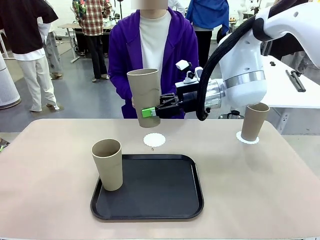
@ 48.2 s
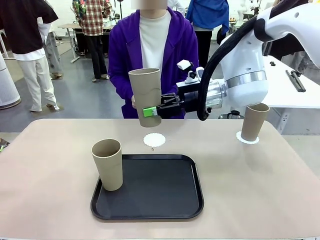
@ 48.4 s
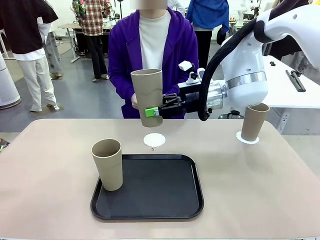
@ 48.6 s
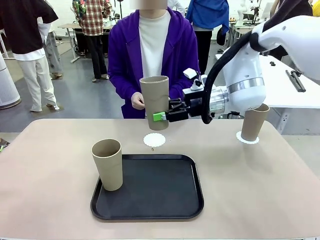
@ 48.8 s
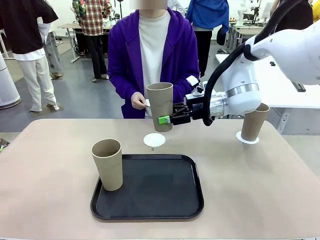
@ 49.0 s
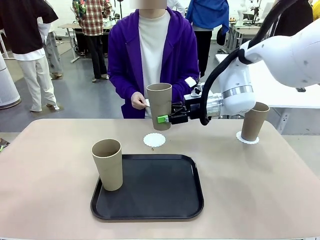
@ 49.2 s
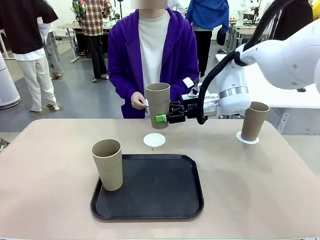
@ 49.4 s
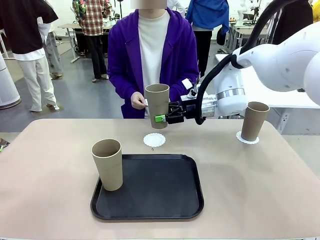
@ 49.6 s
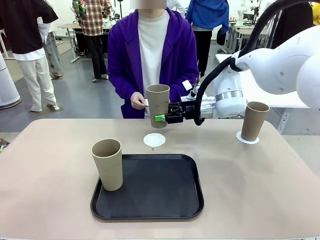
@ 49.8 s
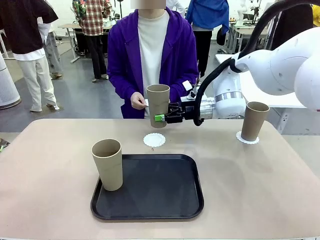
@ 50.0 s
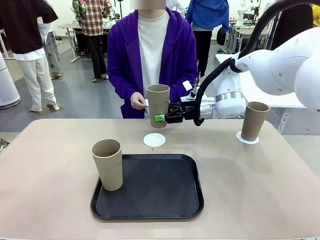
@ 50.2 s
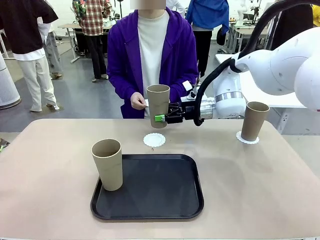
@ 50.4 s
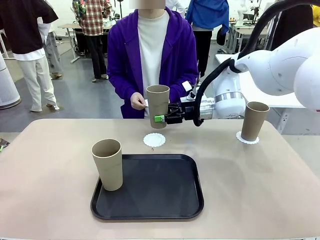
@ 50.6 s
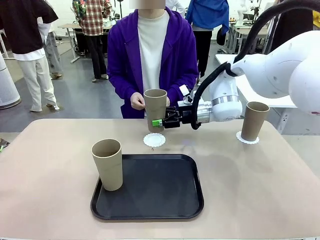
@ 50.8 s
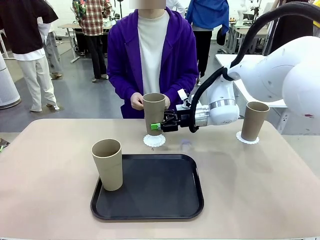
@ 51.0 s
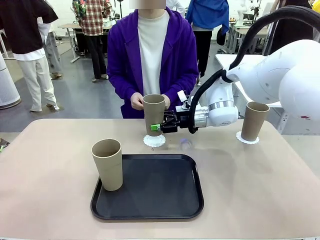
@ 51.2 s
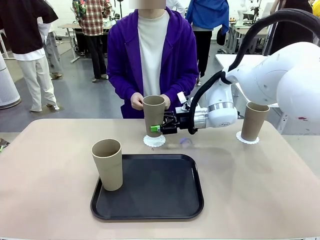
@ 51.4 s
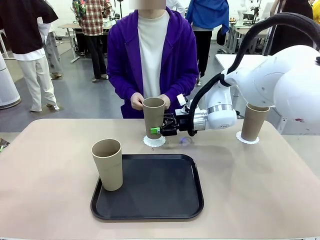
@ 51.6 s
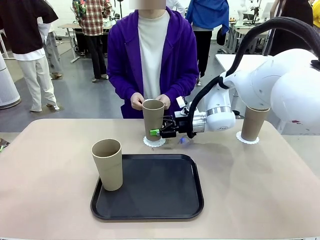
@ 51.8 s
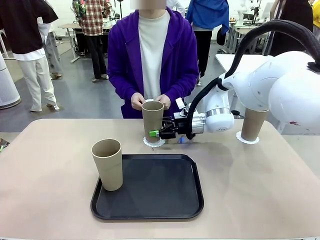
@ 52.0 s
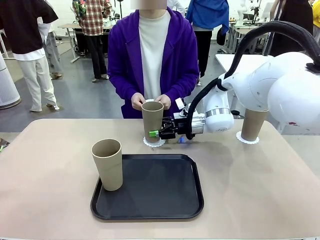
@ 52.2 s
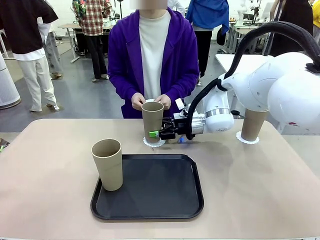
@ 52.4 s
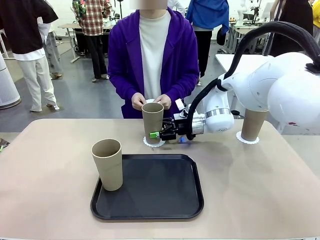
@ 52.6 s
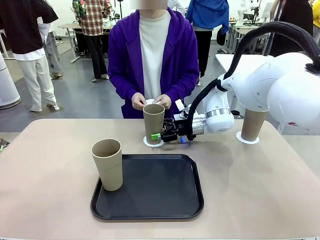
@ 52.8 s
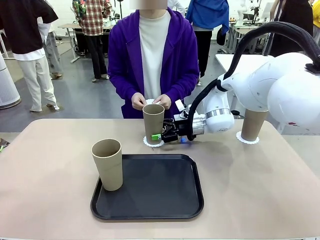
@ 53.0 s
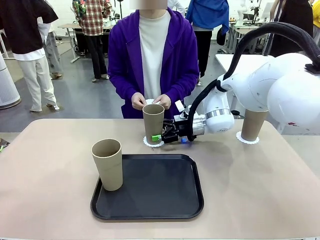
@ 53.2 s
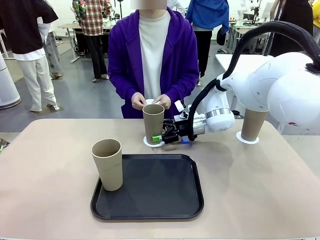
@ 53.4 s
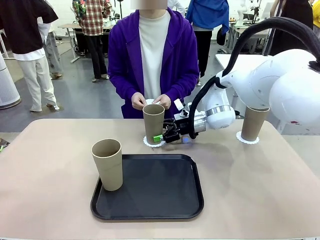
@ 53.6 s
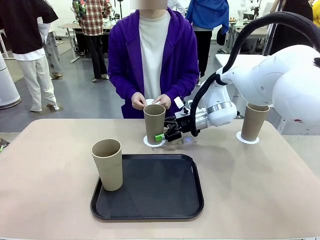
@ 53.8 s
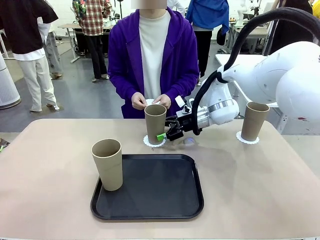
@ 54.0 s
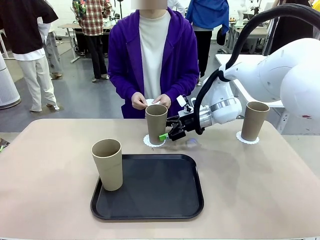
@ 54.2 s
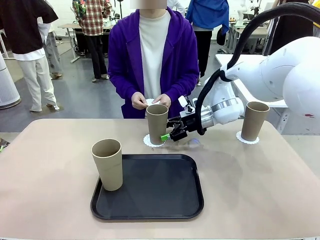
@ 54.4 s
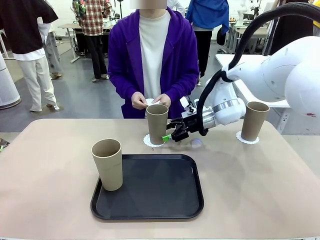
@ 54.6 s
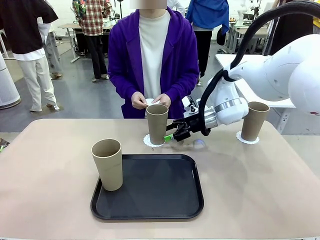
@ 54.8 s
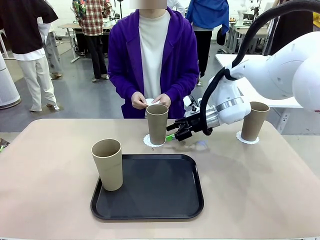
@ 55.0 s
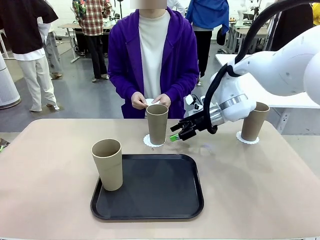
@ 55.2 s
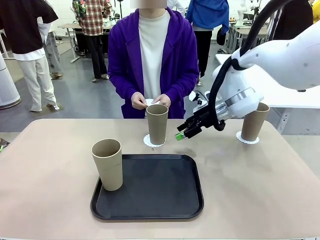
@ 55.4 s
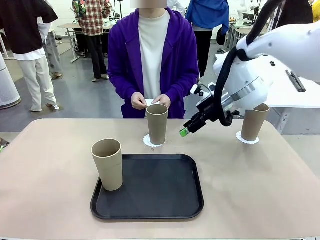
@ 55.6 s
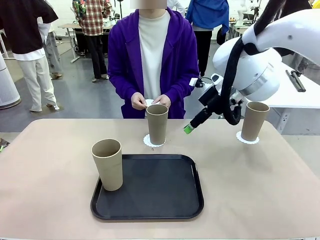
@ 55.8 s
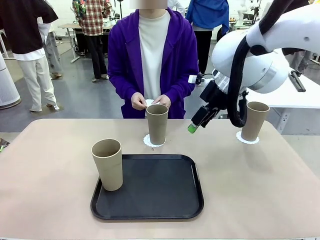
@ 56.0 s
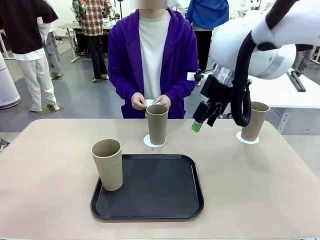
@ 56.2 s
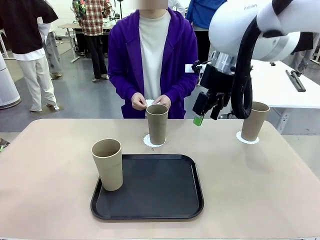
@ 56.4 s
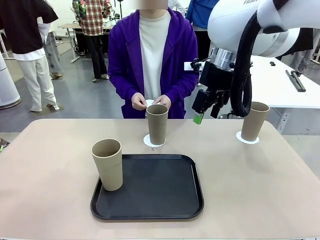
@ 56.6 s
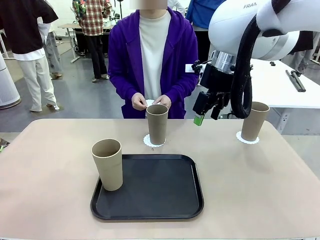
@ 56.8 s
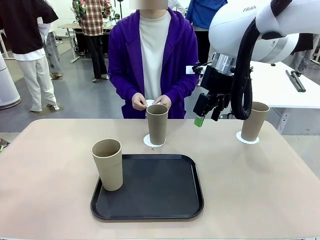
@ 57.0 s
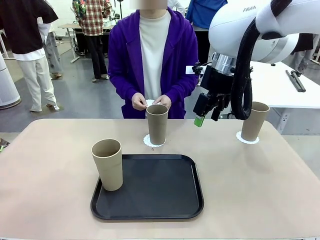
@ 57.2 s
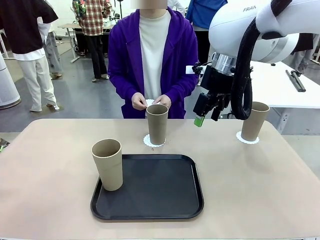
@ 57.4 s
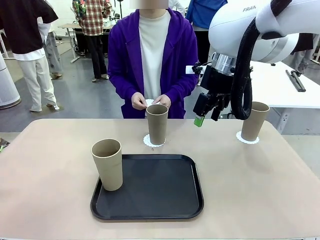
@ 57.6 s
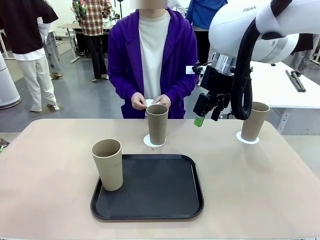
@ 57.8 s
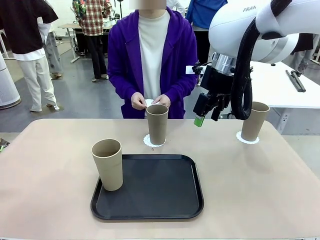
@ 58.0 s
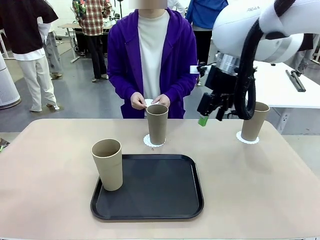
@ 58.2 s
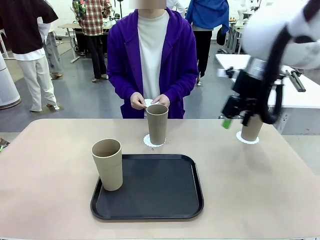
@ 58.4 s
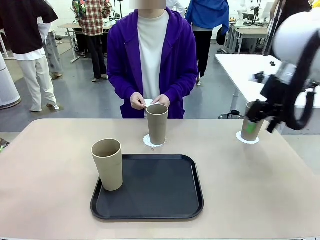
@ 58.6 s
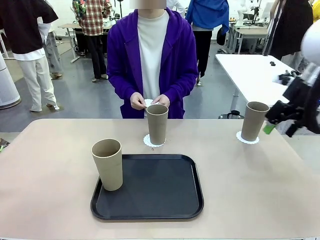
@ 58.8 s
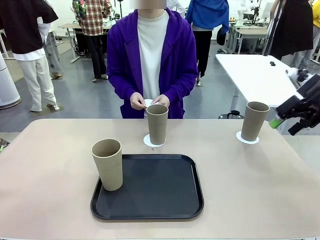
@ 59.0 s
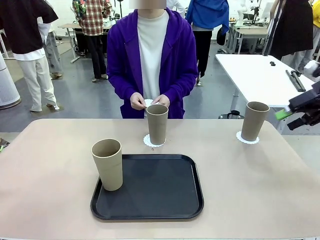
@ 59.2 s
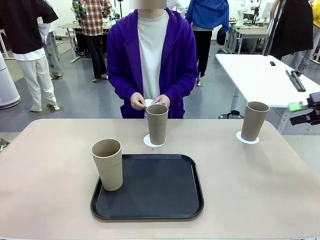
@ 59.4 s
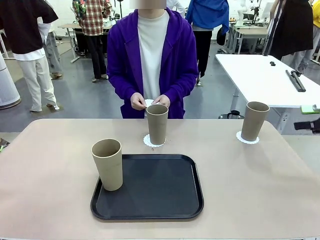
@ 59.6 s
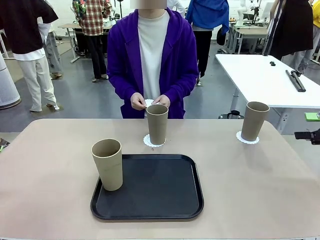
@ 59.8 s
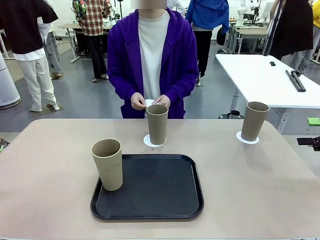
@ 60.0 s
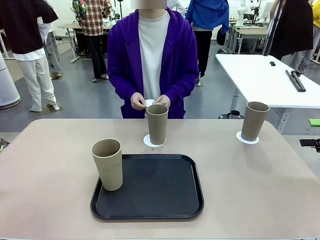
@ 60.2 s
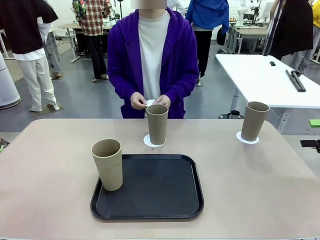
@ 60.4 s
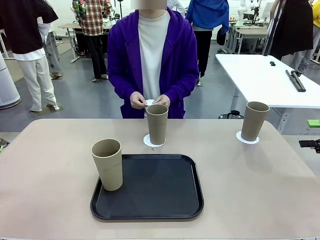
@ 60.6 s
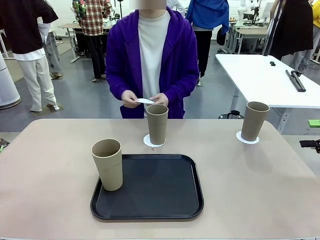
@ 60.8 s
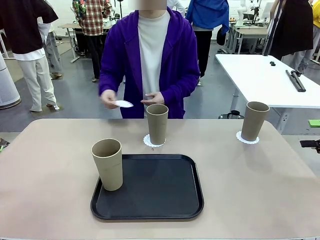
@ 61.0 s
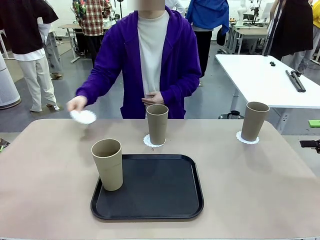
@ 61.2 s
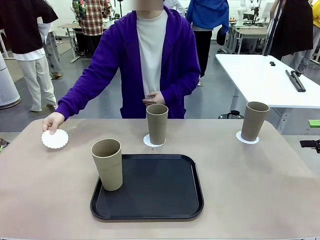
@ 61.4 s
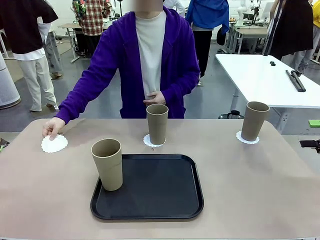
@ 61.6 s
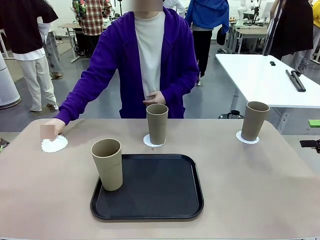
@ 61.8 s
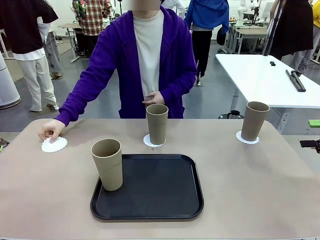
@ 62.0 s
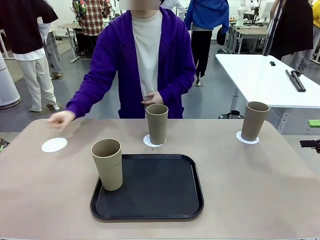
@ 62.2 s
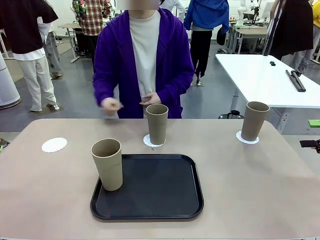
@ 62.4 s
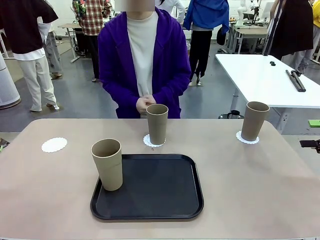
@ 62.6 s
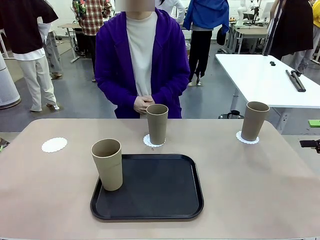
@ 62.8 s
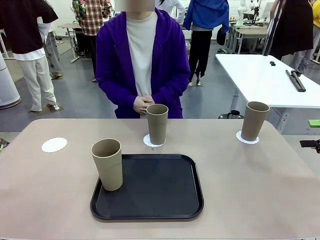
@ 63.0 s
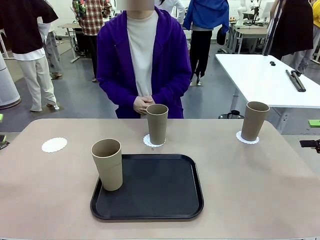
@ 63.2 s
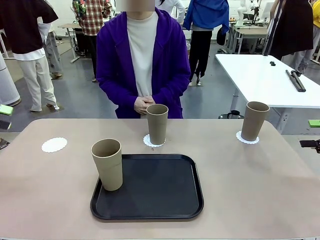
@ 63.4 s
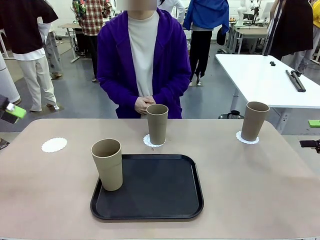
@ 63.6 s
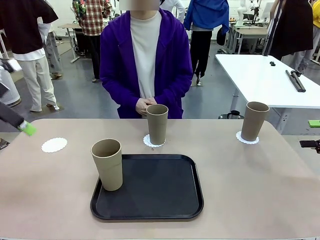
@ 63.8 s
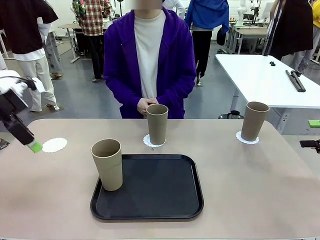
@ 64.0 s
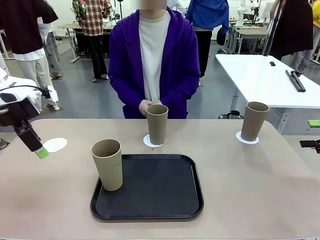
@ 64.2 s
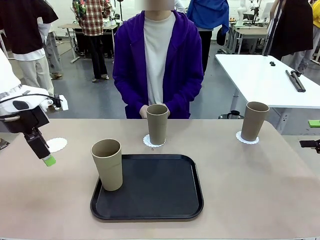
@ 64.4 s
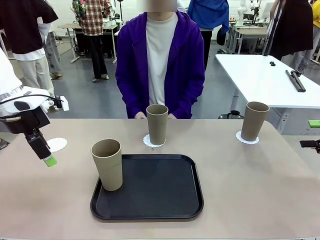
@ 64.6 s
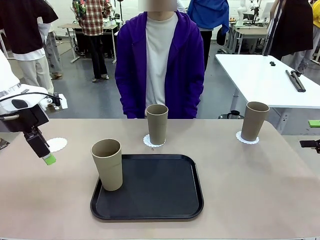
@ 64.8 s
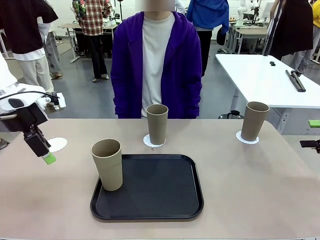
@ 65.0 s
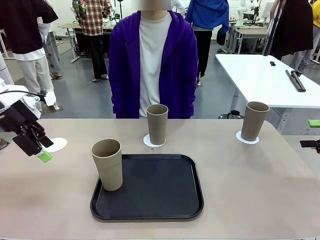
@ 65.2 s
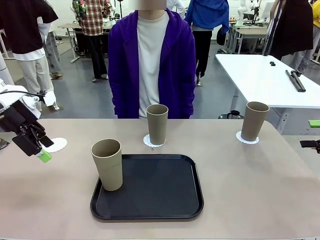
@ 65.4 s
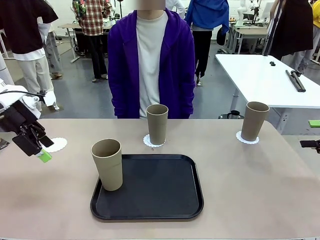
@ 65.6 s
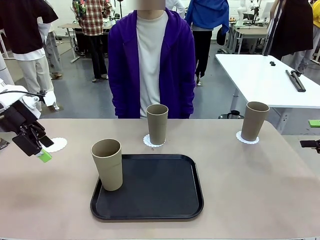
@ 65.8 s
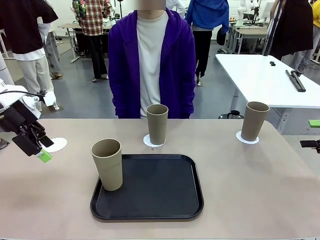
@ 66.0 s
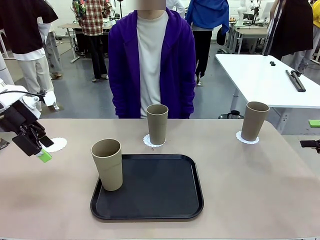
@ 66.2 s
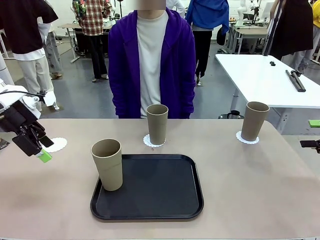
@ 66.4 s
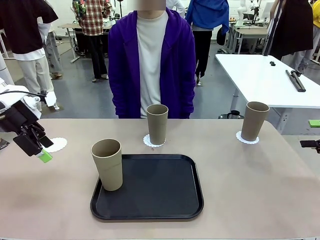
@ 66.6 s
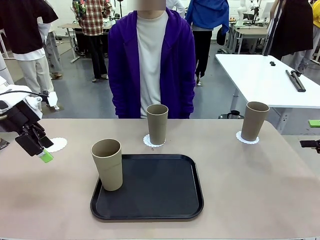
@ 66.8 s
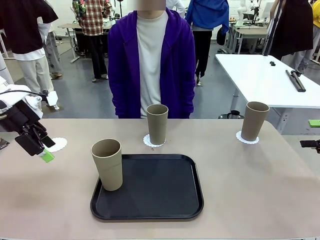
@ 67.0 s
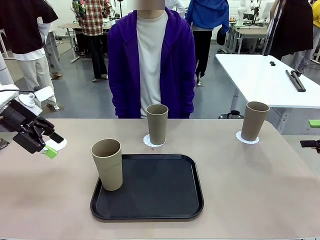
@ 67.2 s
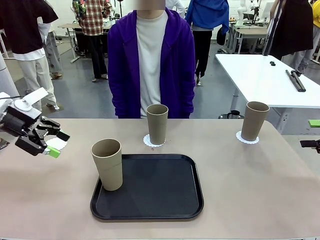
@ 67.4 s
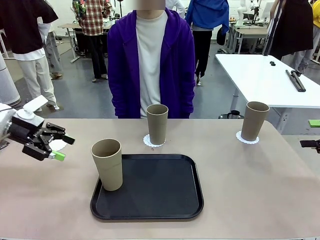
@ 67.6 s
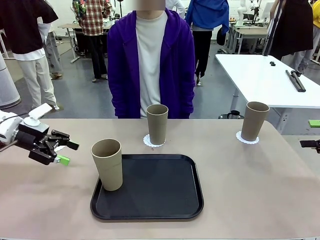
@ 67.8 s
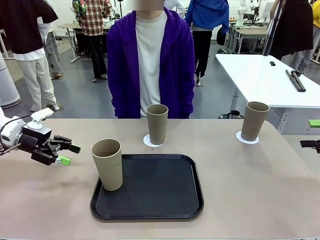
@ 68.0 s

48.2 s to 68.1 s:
Task: Place coasters on the table and set cups on them.
Robot: Take one Reusable plastic cup from the Flat Tray and place it on a coaster set by the human.
